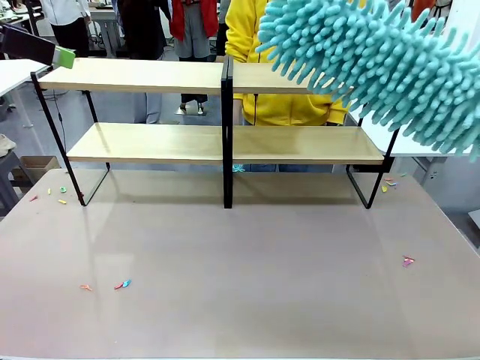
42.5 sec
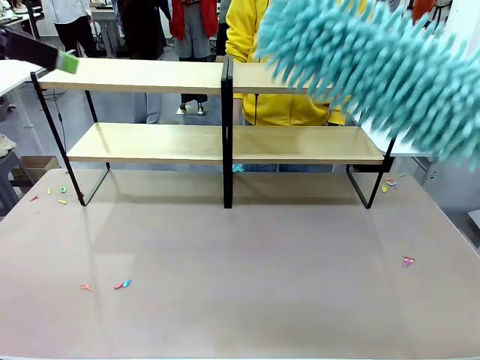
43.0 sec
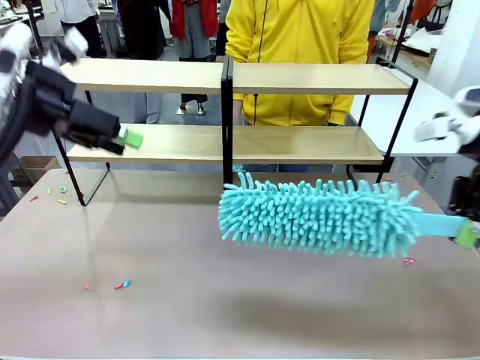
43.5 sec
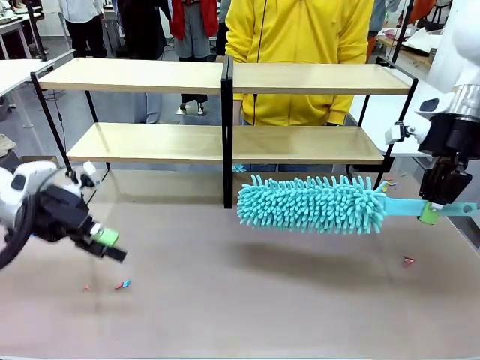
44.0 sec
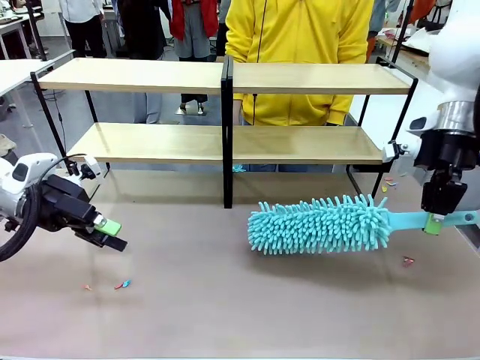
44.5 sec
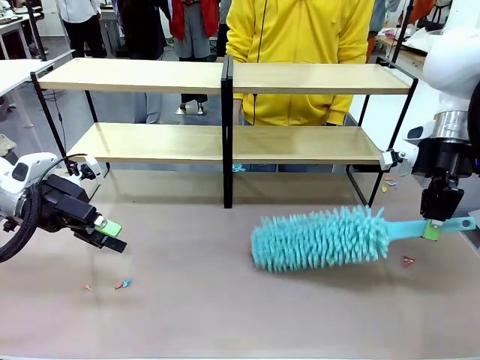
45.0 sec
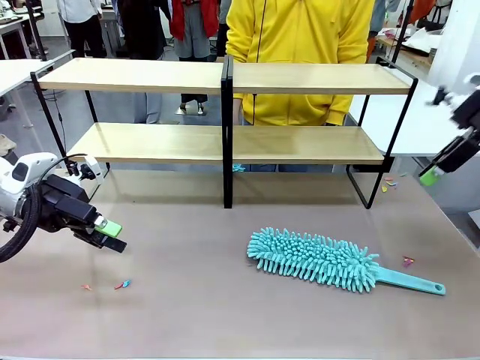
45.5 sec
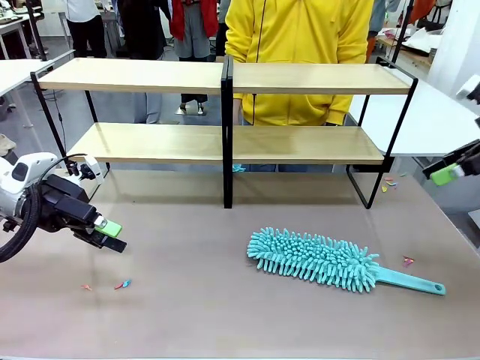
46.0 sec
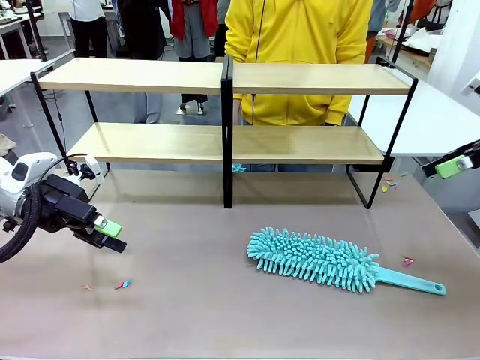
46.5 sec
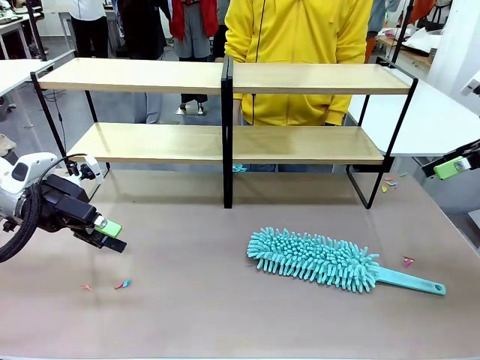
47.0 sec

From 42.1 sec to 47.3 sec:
Task: Clean the shelves.
Robot: Place the Duster on the table.

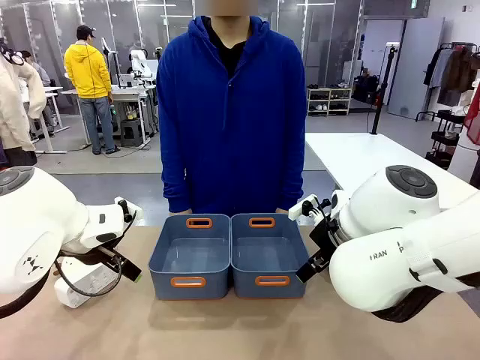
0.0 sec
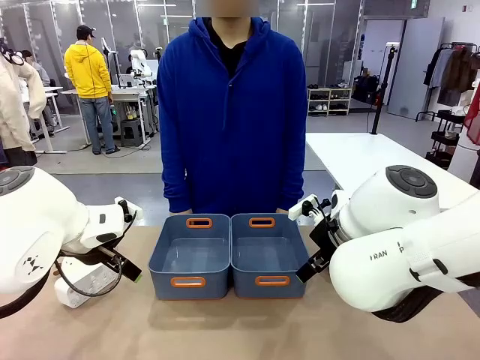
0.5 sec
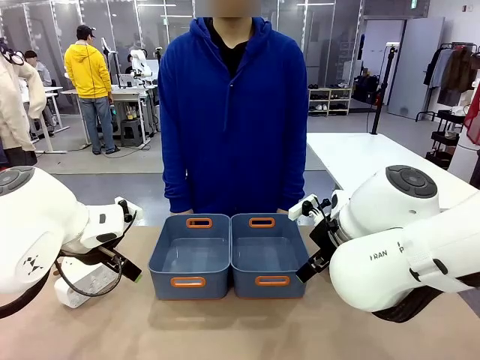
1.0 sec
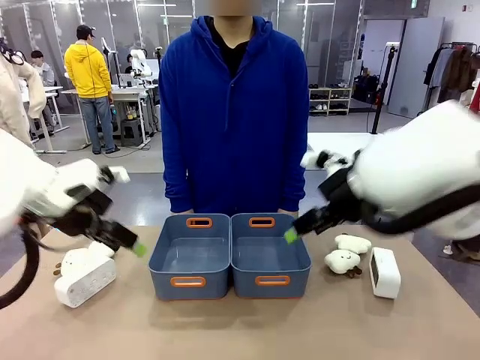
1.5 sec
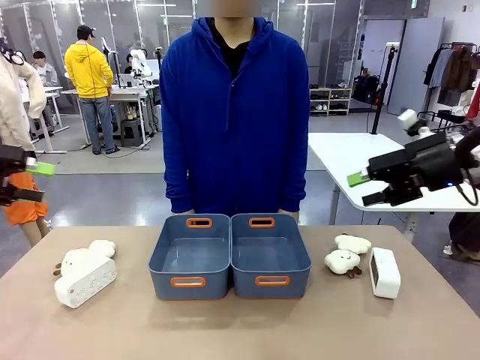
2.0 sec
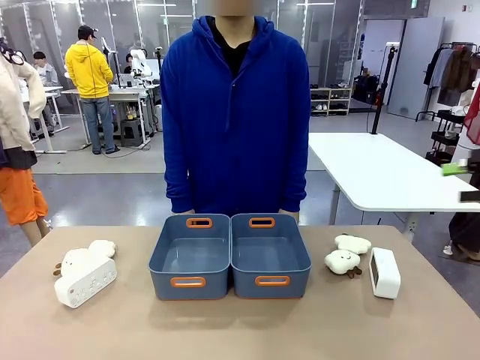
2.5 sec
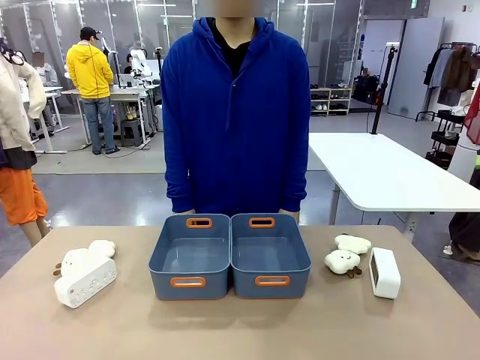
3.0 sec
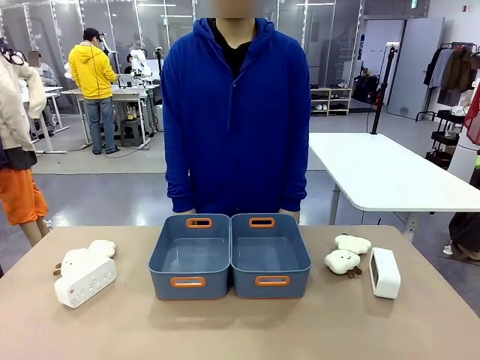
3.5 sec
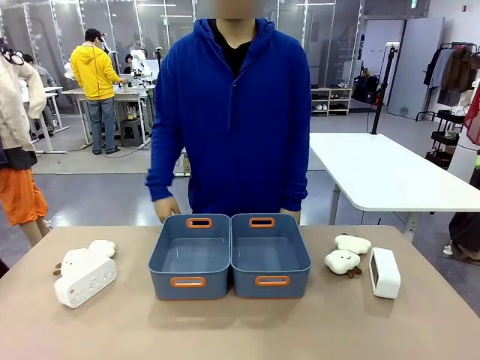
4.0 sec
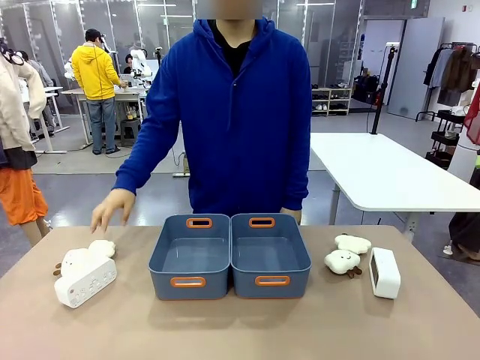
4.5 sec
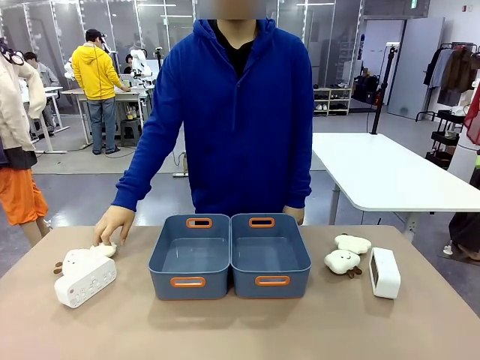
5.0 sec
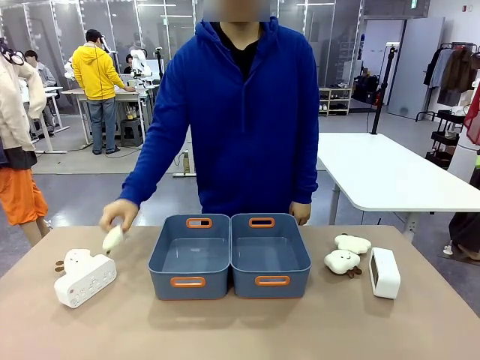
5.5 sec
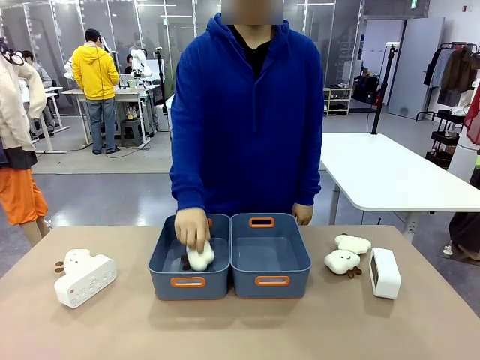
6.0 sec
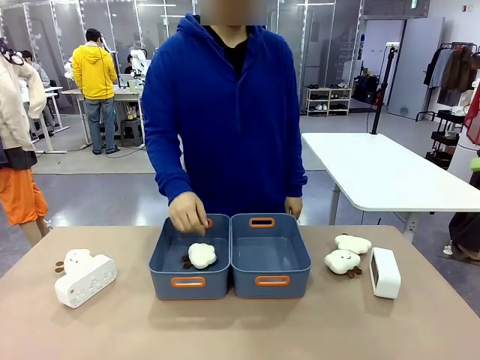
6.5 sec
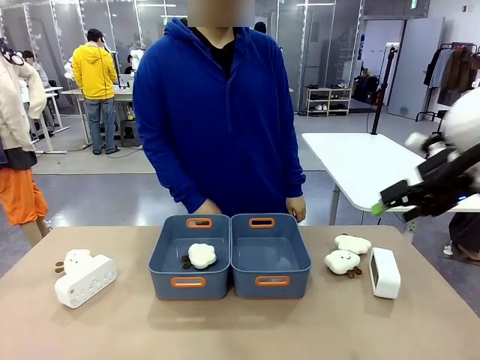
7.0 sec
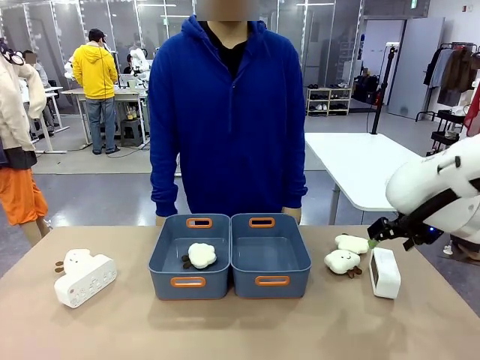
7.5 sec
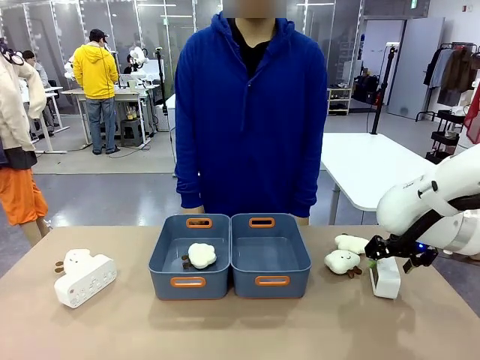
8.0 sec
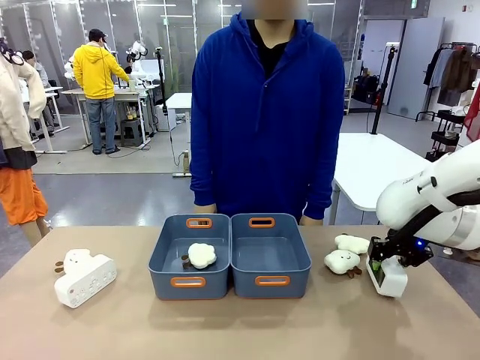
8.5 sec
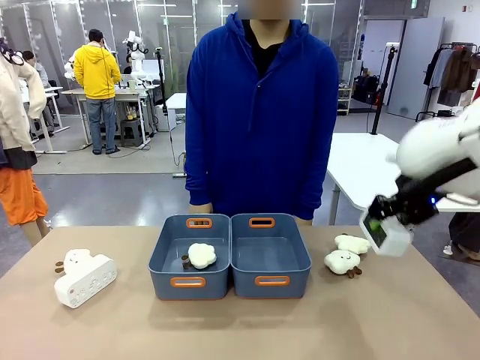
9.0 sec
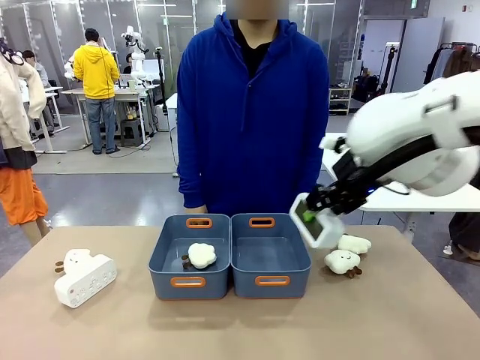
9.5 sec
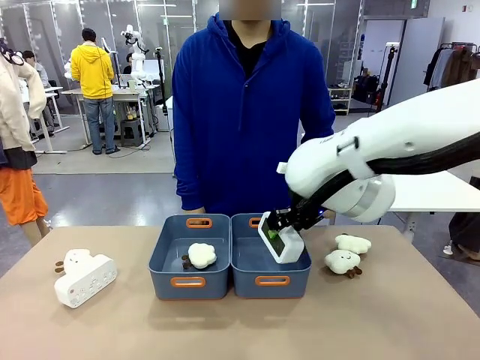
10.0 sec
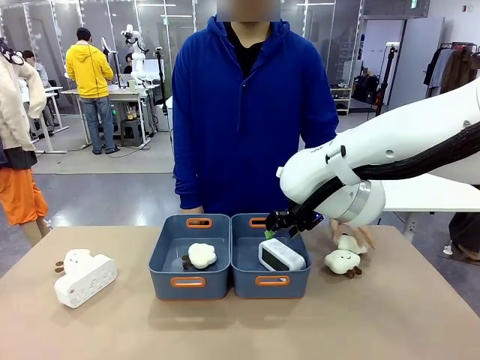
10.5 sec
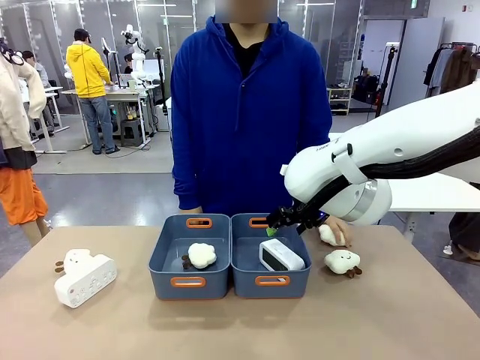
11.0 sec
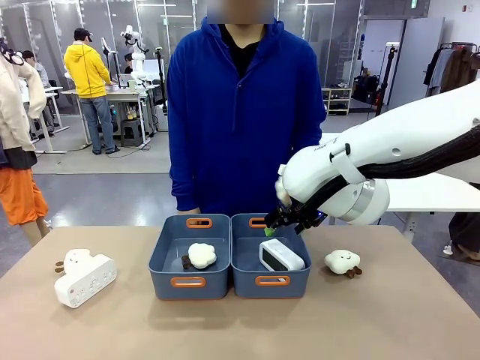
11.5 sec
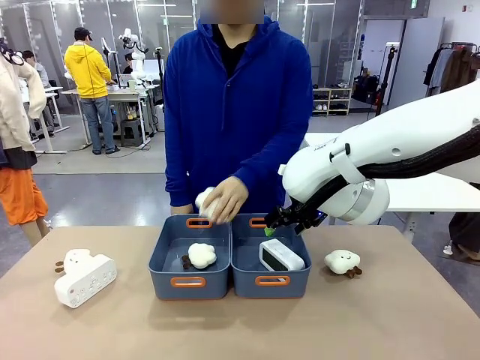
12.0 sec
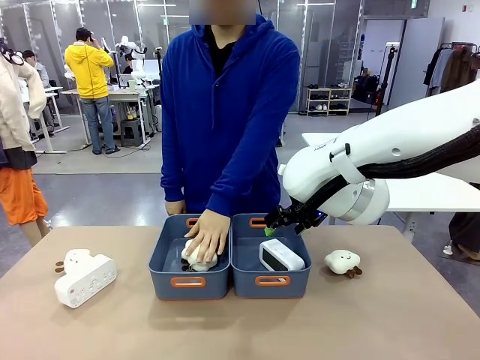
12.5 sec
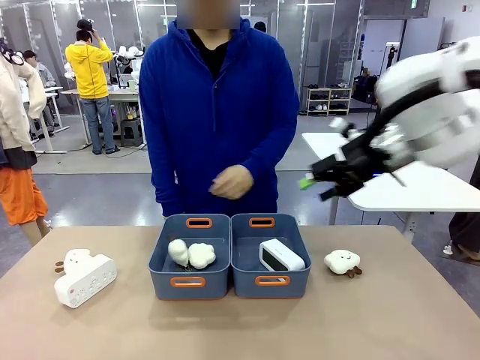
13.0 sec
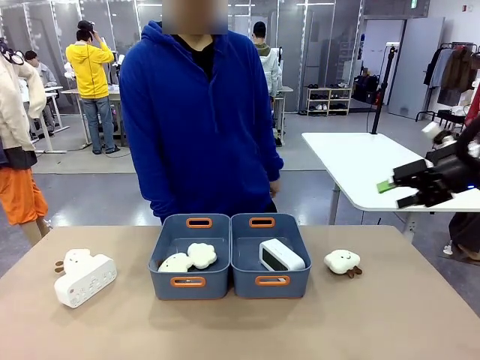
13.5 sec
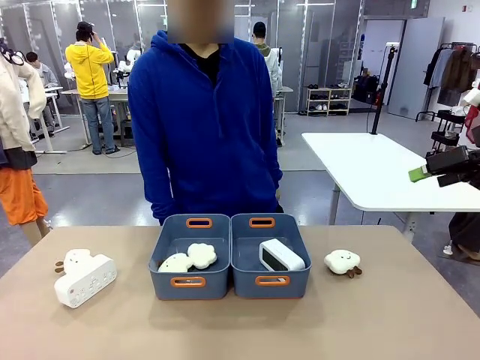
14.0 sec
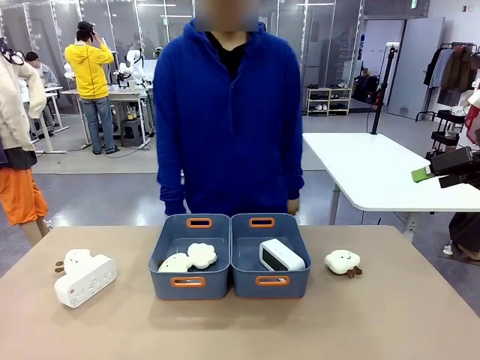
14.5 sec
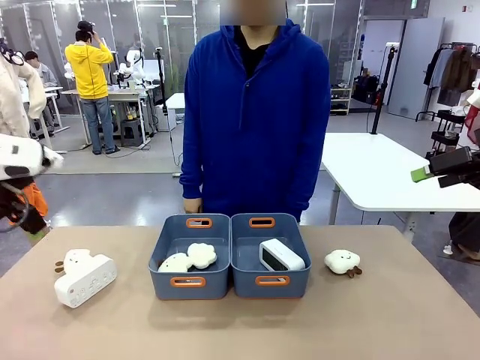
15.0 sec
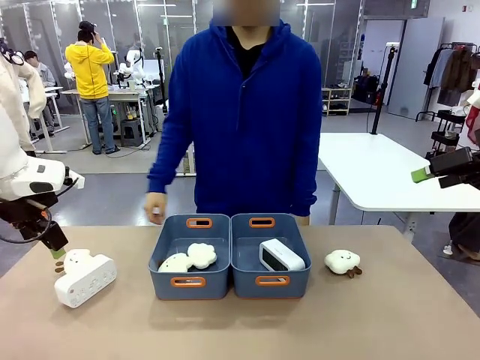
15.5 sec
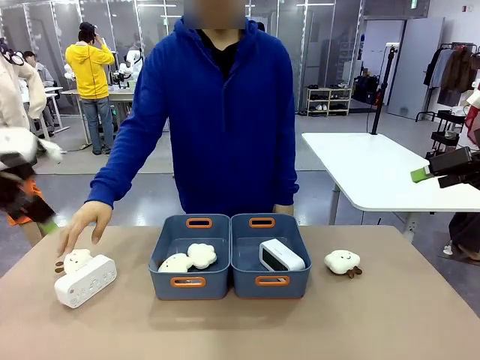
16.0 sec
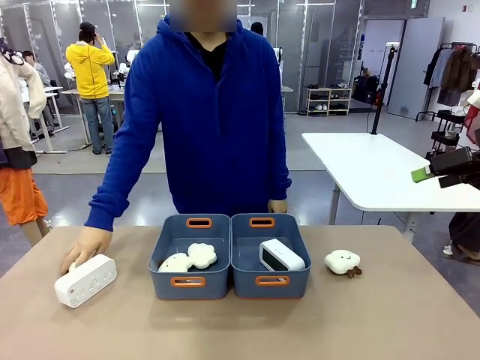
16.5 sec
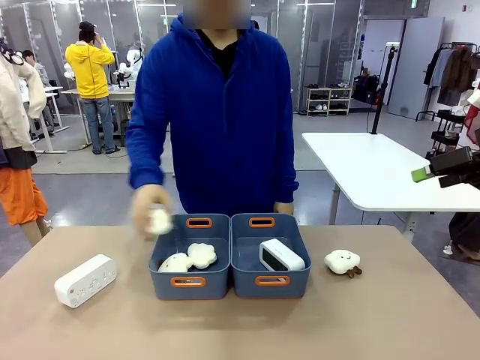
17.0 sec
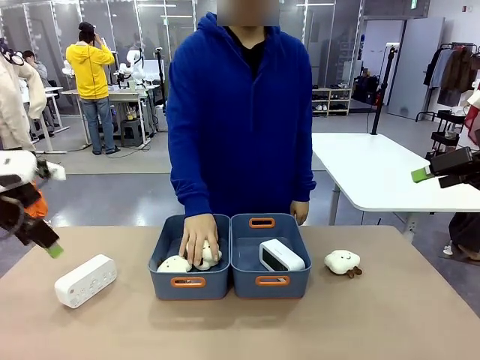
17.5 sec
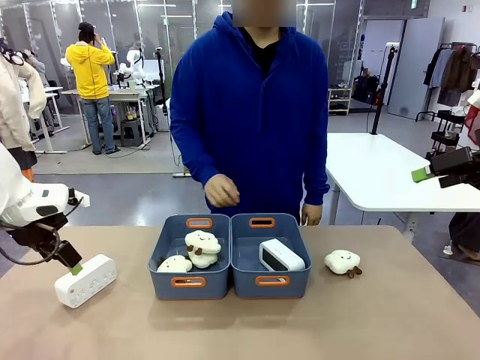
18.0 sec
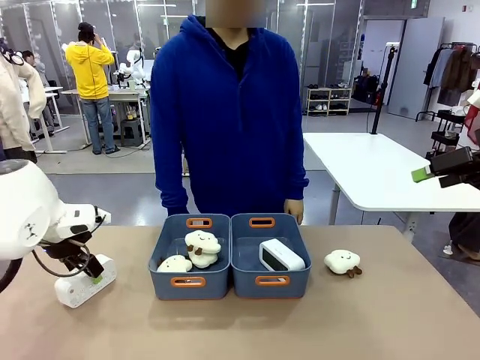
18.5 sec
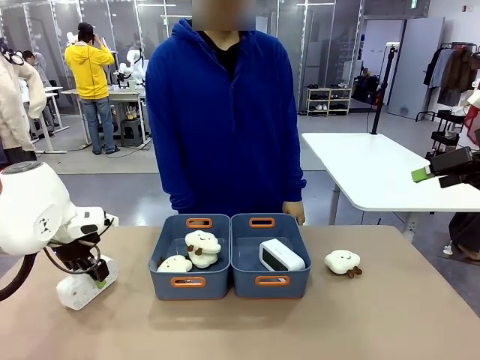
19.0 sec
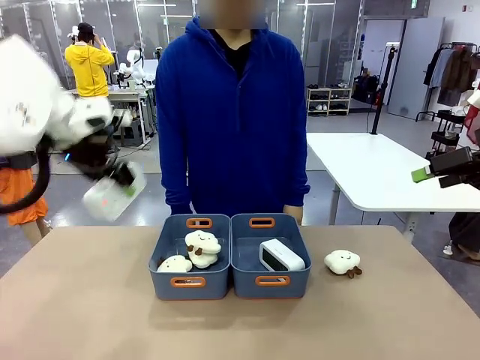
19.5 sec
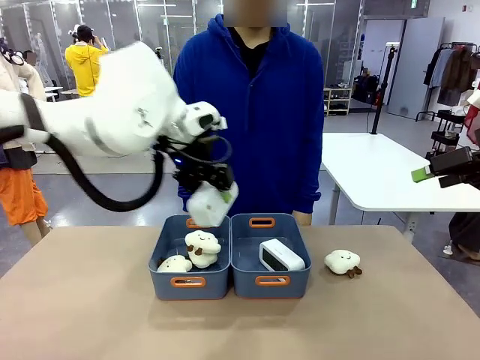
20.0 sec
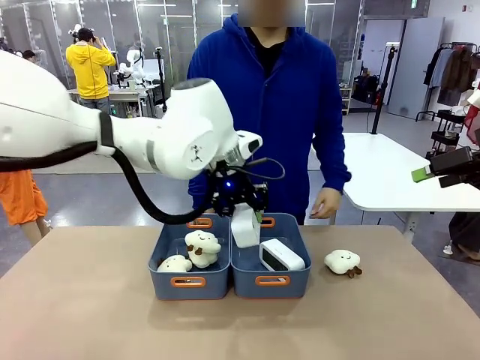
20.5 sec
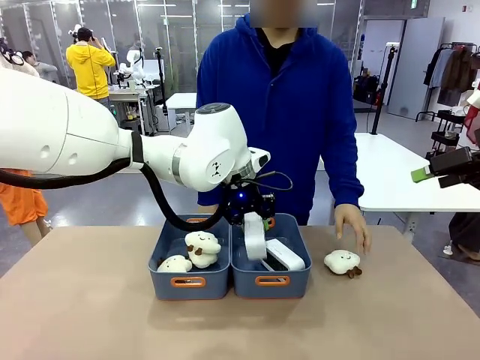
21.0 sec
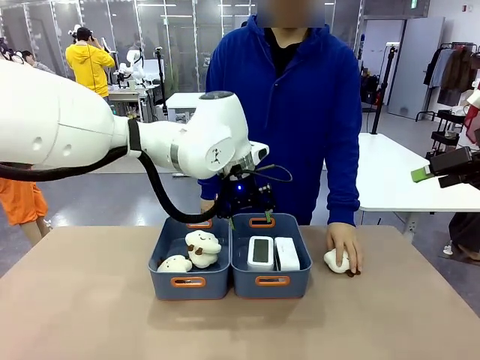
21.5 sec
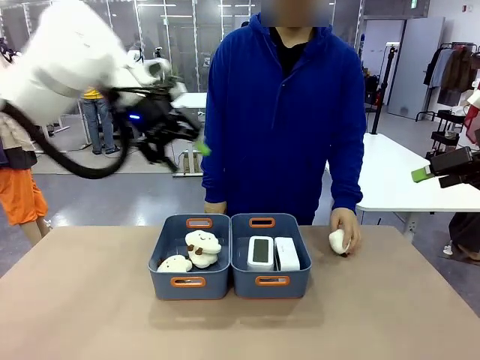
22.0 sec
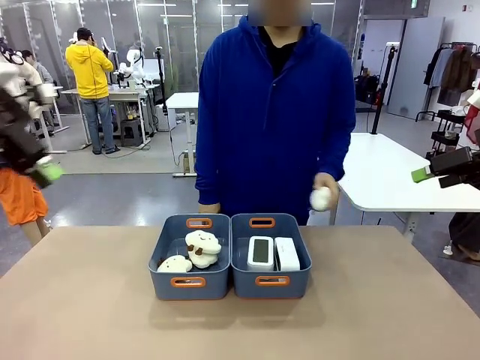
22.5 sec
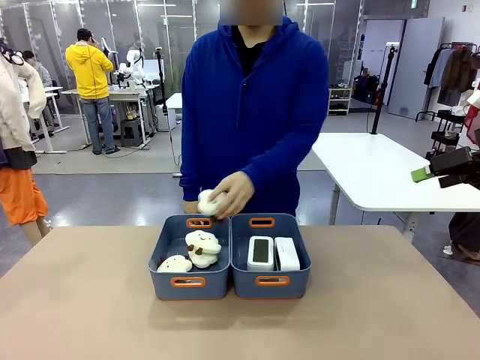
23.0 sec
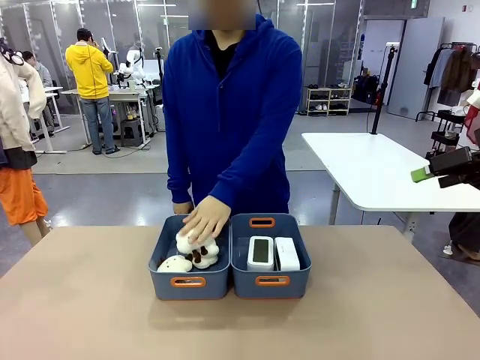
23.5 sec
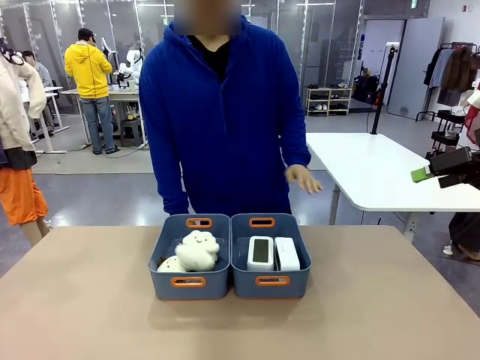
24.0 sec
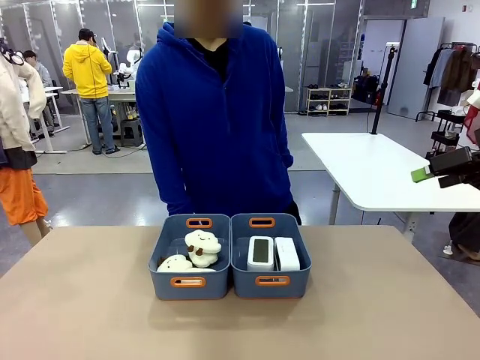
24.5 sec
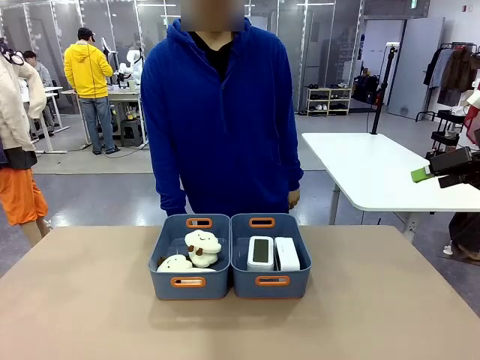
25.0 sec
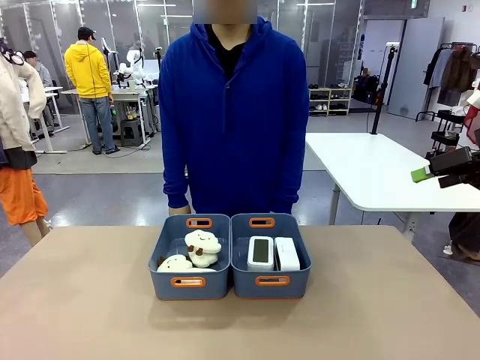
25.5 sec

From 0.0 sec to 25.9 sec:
Task: Sort the digital clocks into the basket.
Robot: Pick up the Digital clock from the table and place it into the empty Plastic storage basket.
Person: Pick up a plush toy from the table and place it in a plastic storage basket. Pick up a plush toy from the table and place it in the plastic storage basket containing the plush toy.
